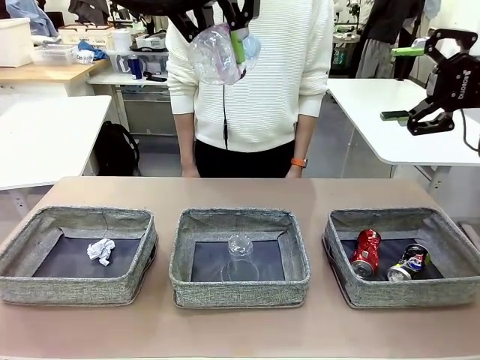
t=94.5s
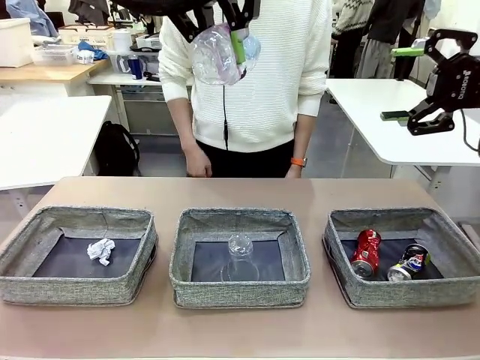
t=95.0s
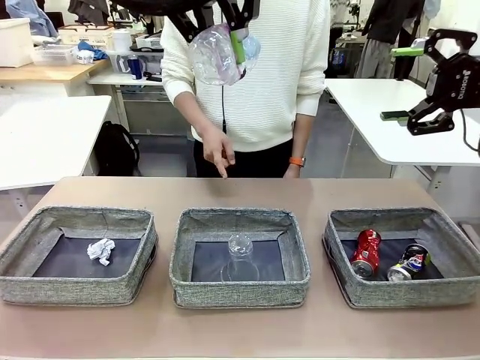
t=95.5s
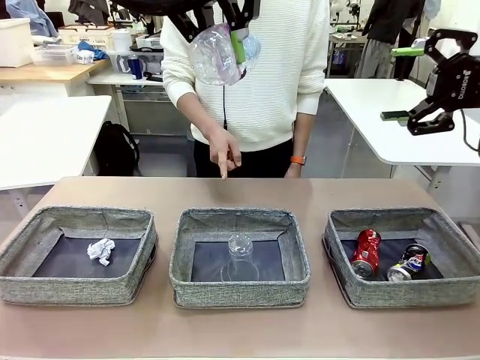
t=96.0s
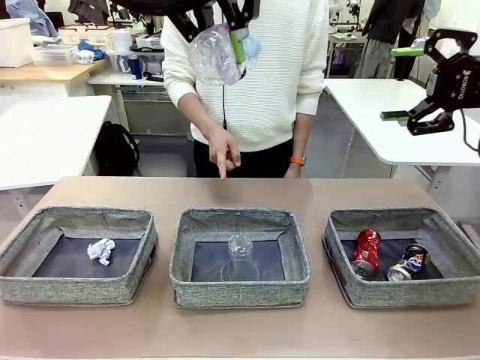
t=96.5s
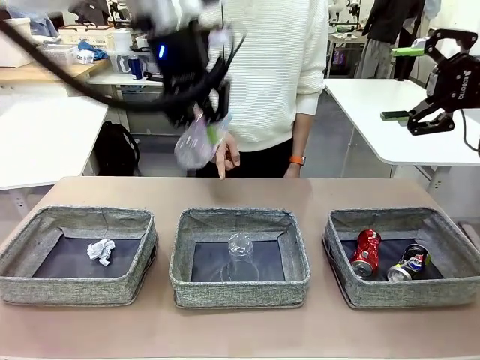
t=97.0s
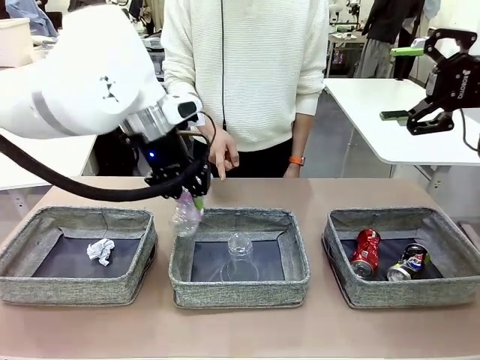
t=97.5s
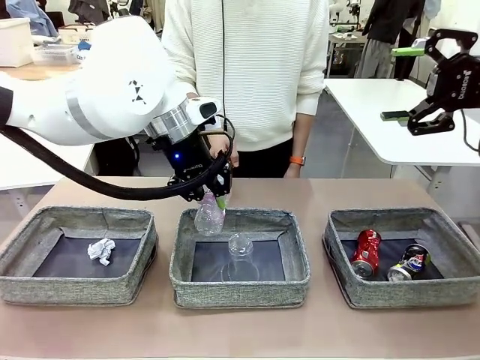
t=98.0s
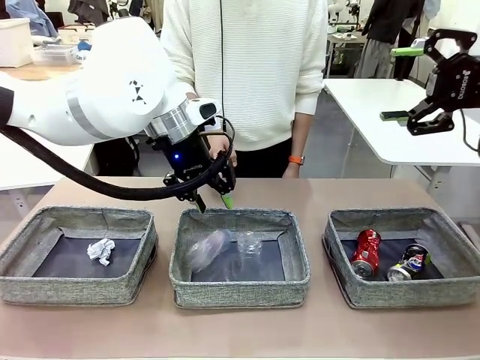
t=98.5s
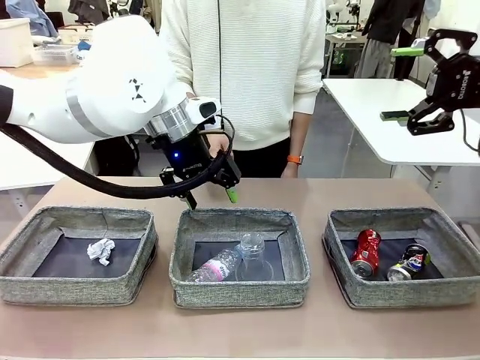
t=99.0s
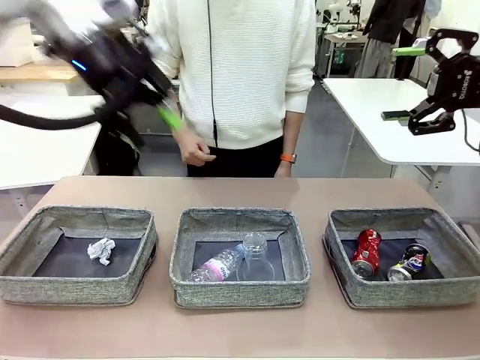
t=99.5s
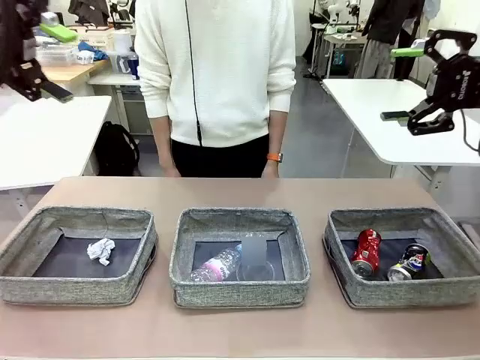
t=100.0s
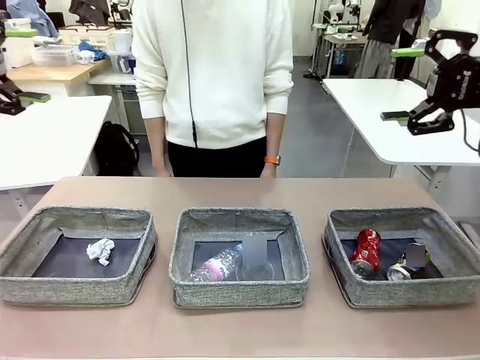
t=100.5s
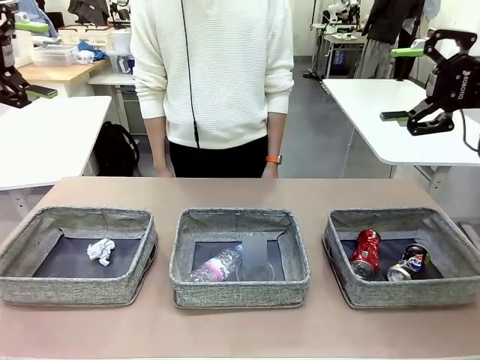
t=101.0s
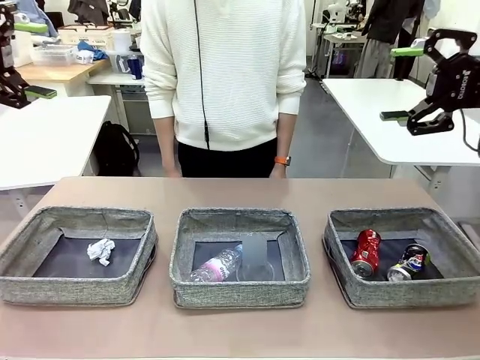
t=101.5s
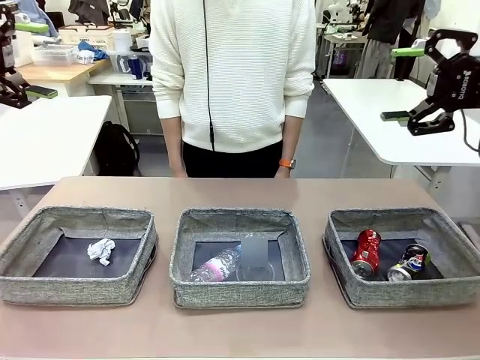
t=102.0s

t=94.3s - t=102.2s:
Task: Sort the waste into the appropriate baskets.
Robot: Place the picked waste into the Fabric basket indicated by the person.
Person: Instructs the robot to place the picked-up trash into the appropriate organizing basket.

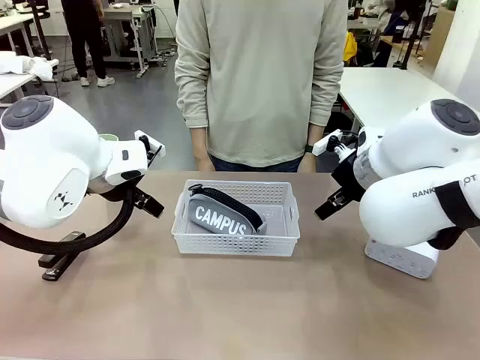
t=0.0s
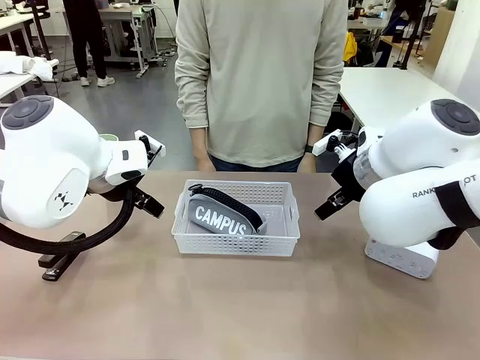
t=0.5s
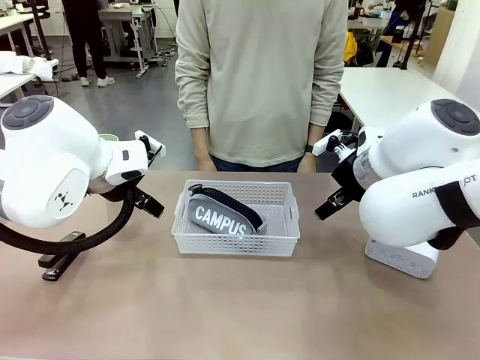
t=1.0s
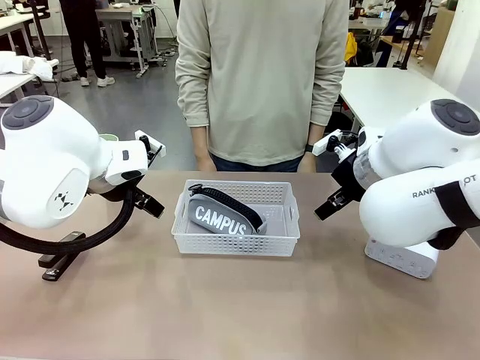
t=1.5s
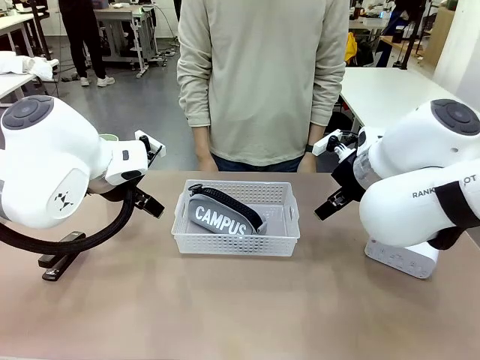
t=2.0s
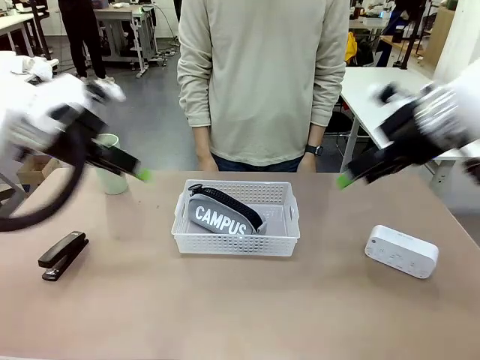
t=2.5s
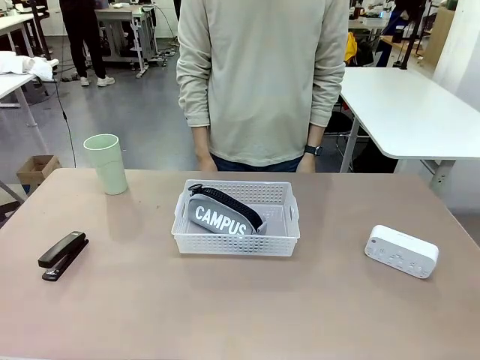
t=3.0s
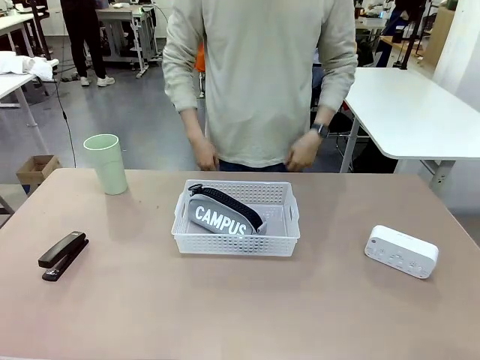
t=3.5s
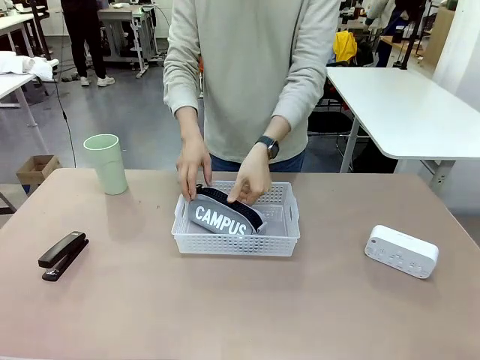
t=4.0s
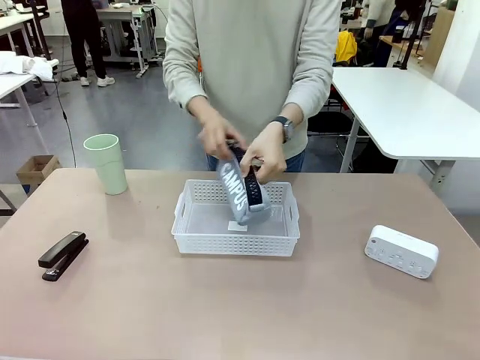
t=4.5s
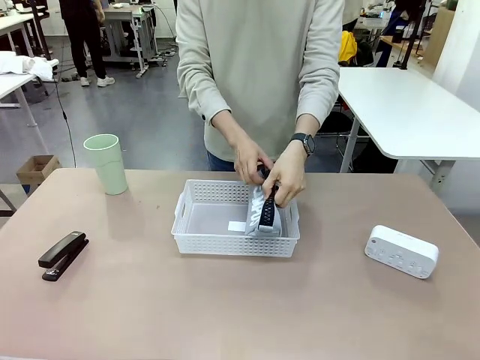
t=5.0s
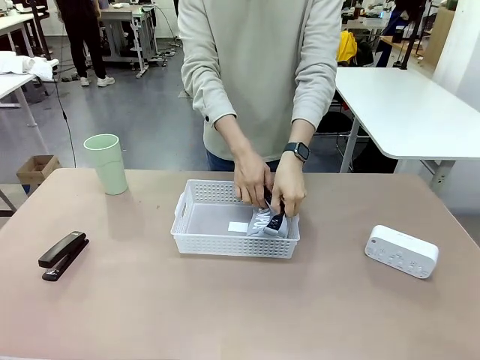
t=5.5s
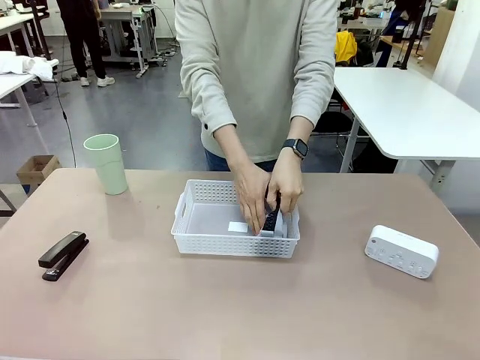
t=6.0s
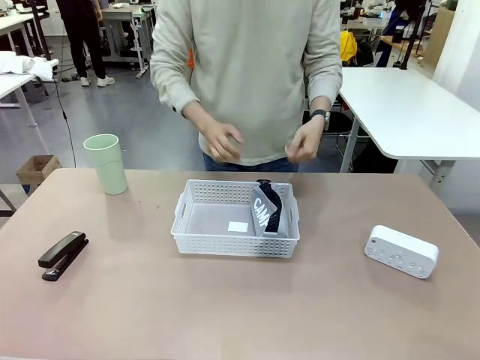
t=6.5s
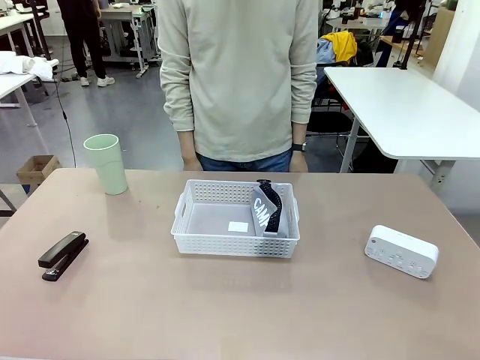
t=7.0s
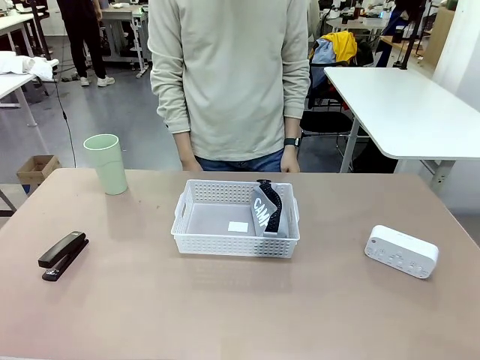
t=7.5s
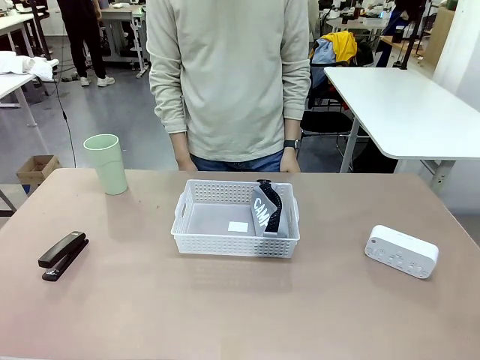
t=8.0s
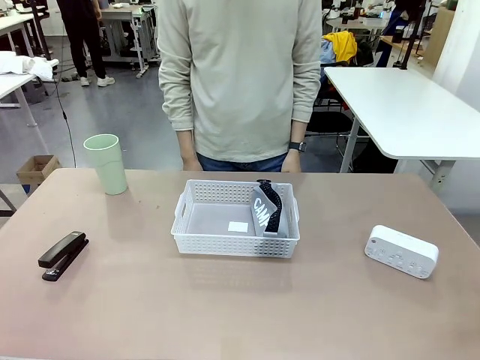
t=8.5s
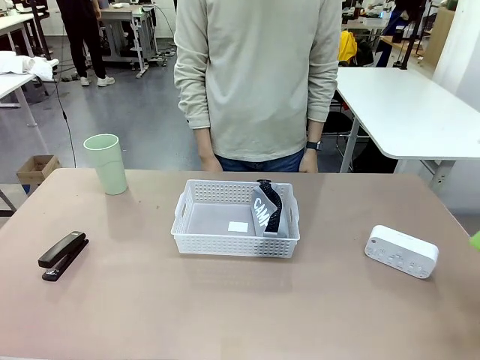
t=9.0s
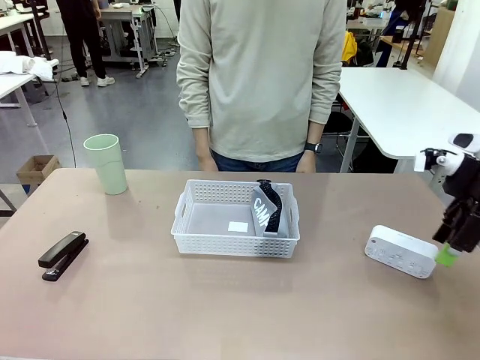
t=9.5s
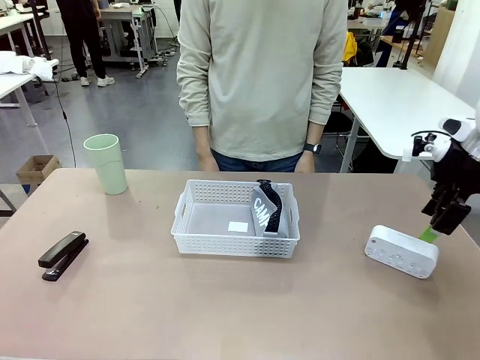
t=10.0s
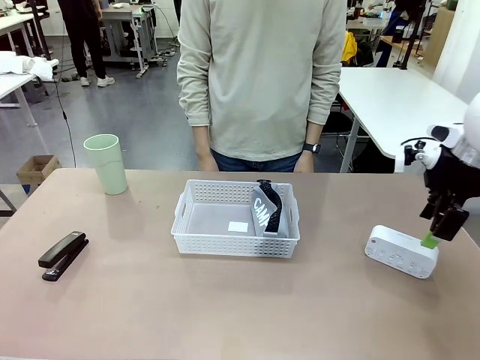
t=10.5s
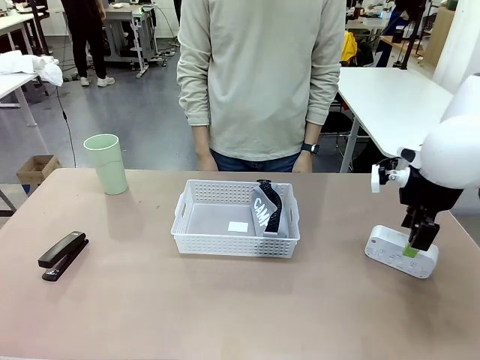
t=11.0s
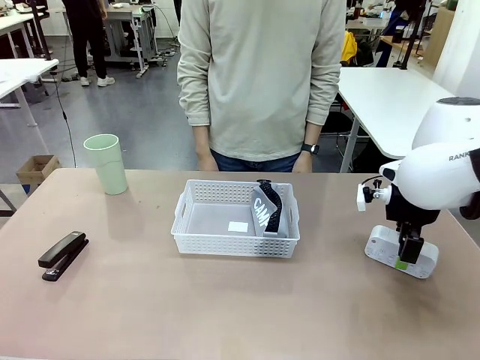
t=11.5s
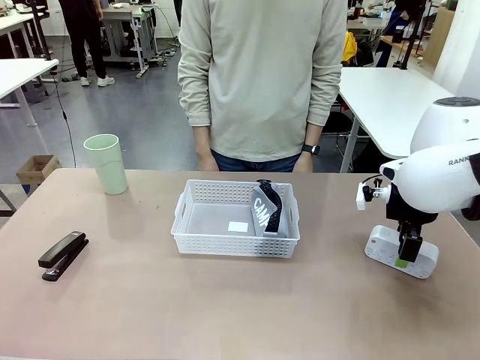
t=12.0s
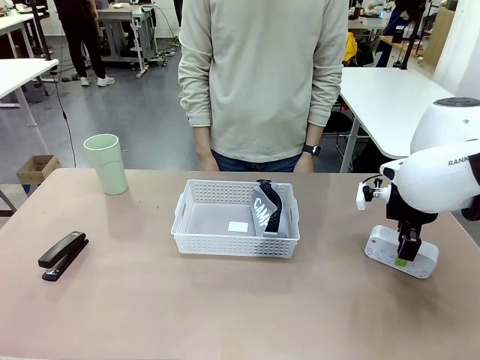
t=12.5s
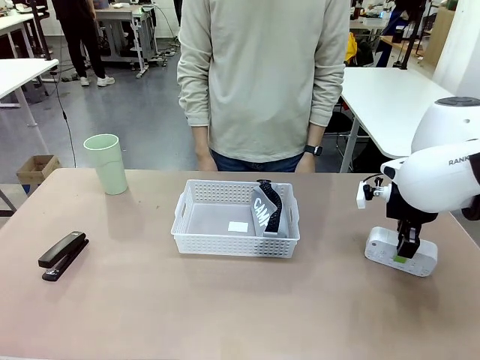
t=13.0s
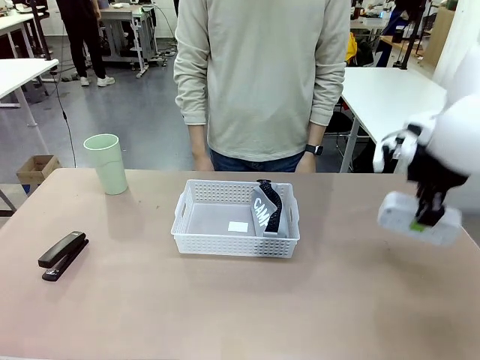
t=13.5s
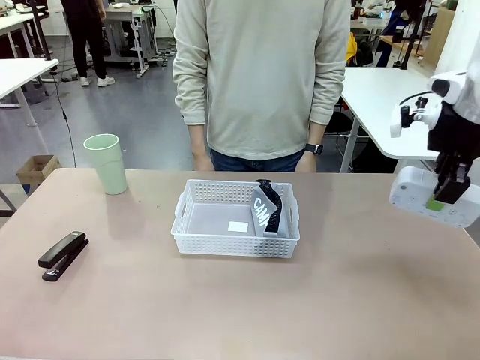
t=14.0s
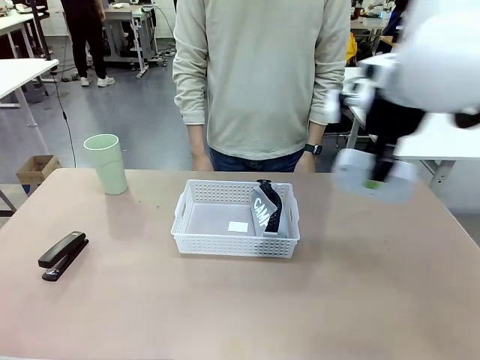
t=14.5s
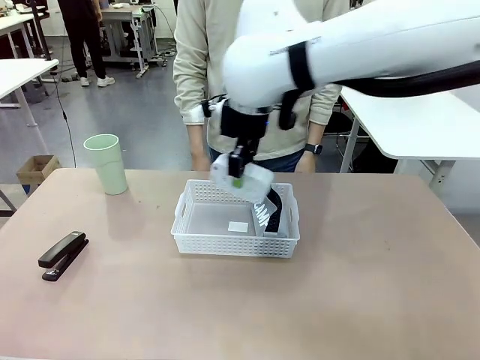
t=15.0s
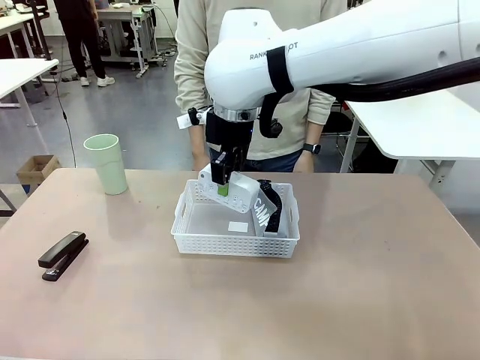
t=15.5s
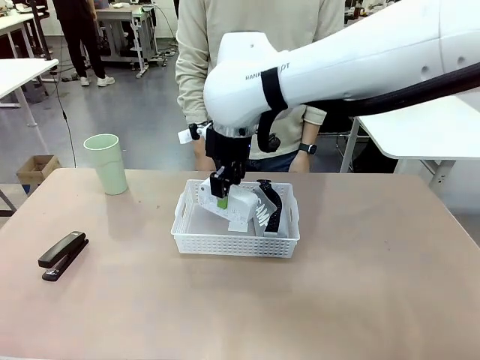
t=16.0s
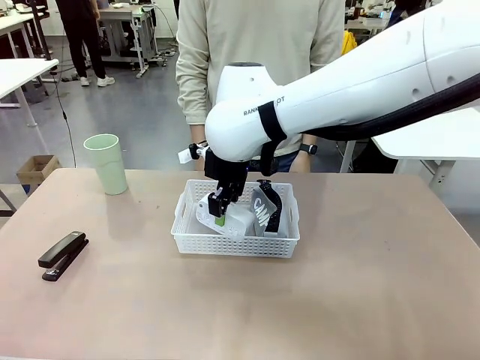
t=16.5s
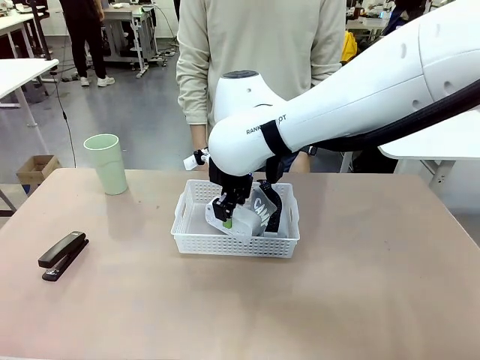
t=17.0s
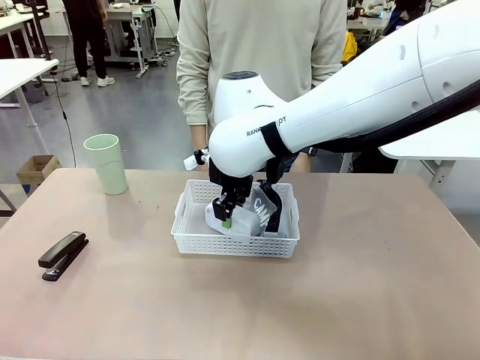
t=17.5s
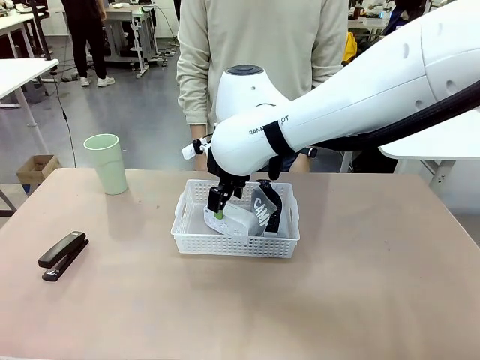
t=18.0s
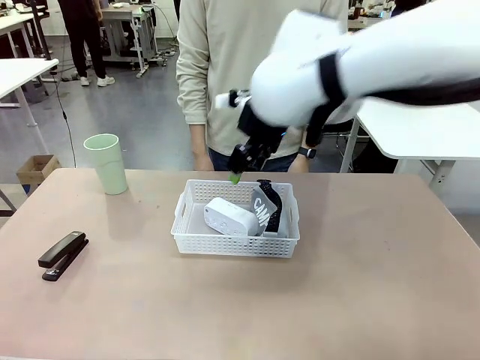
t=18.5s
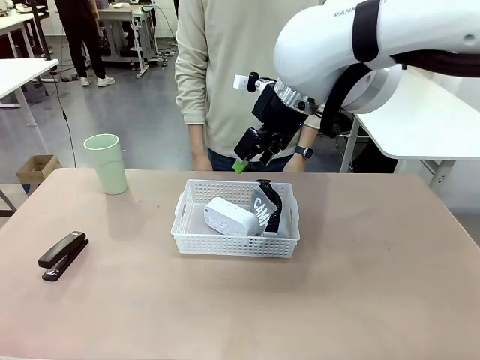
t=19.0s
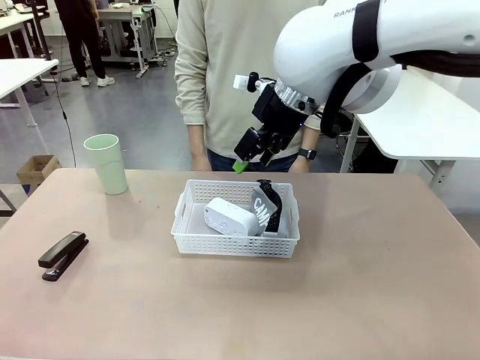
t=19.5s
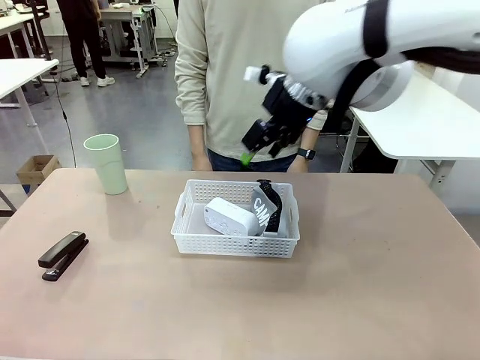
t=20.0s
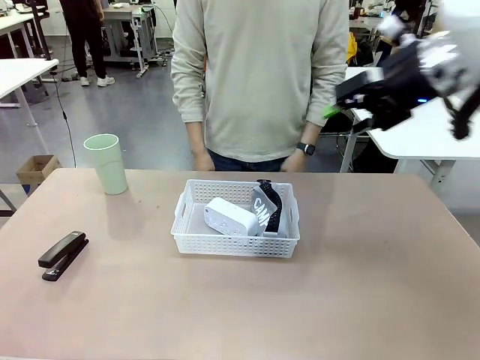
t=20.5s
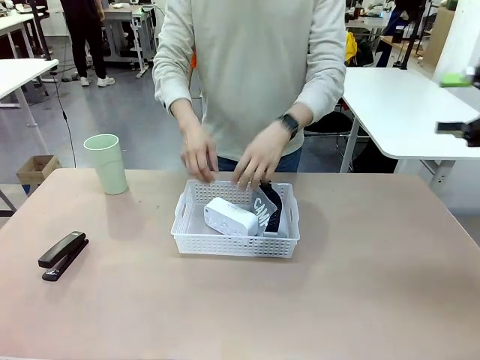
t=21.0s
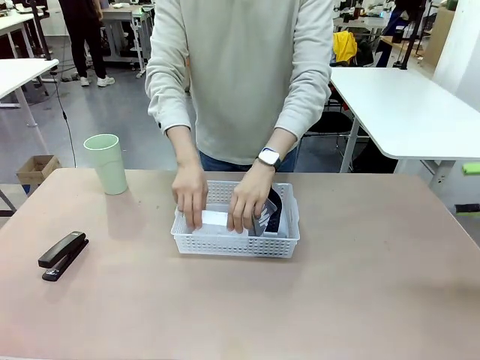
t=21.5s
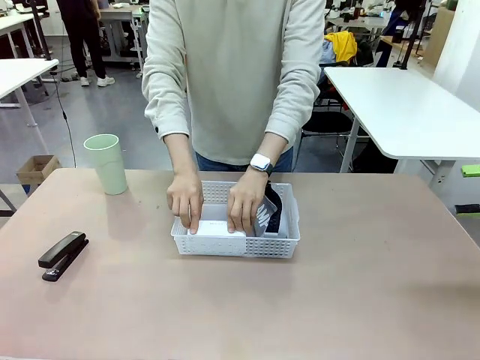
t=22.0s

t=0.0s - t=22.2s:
Task: Efficiently arrange items inside the basket to fit them all.
Robot: Pick up the Digital clock and place it inside the Organizing basket.
Person: Repositions the pencil case. Repositions the digital clock.
